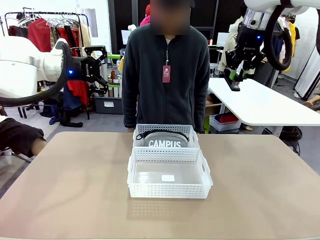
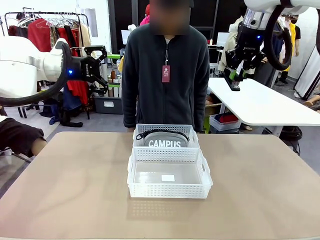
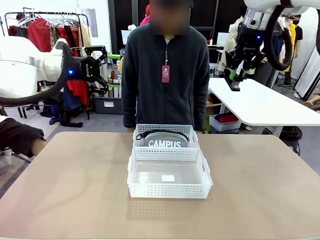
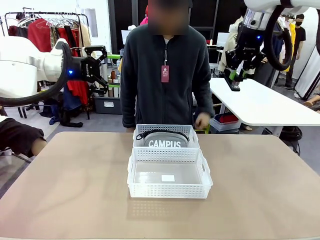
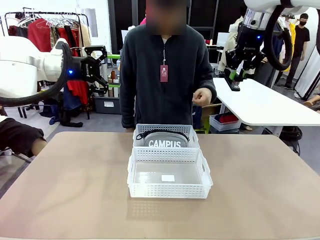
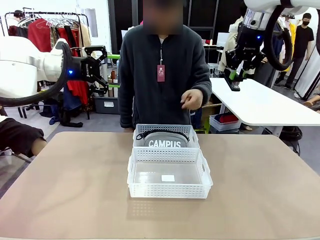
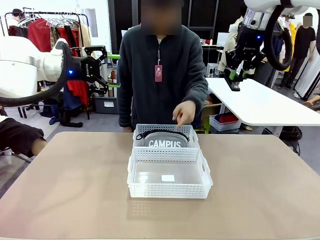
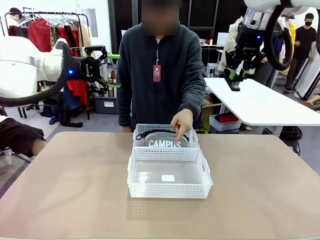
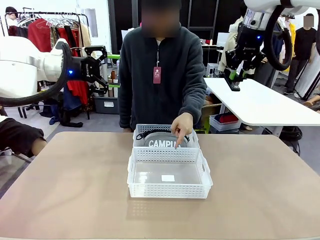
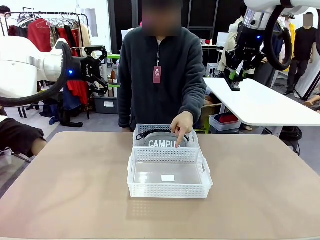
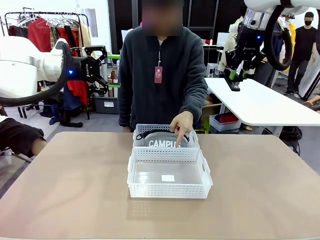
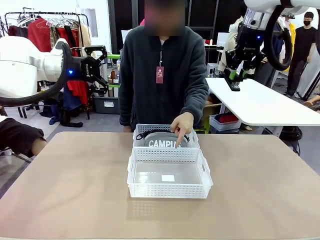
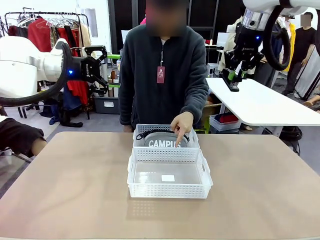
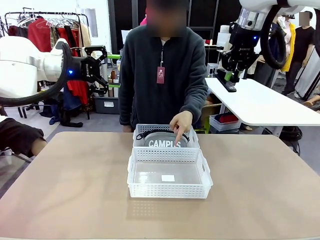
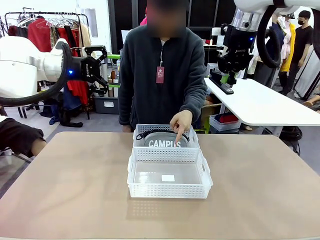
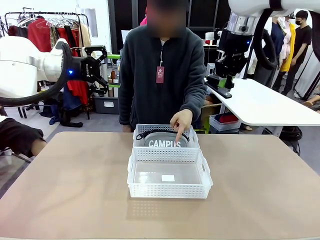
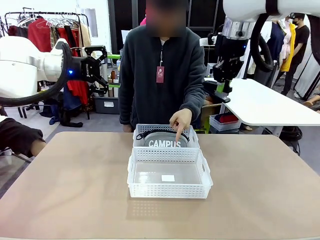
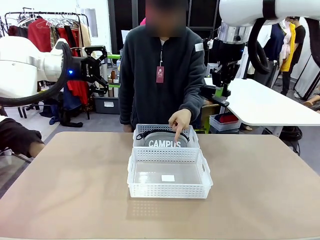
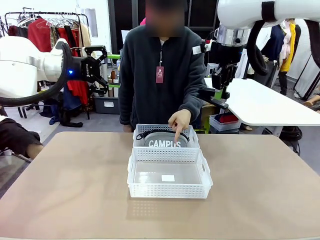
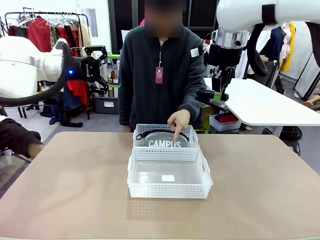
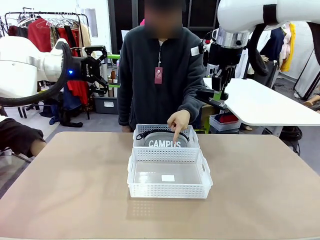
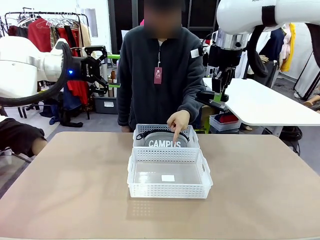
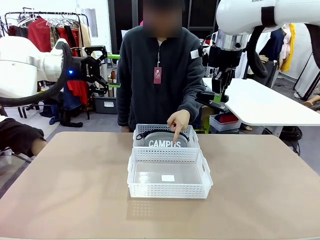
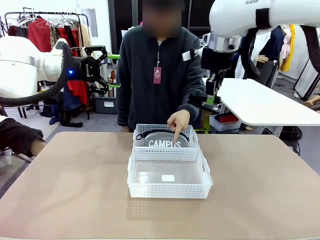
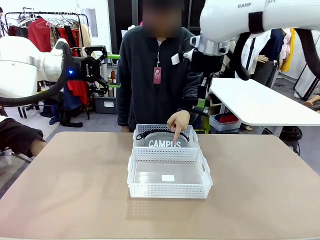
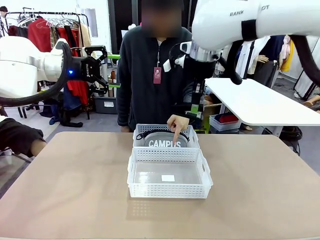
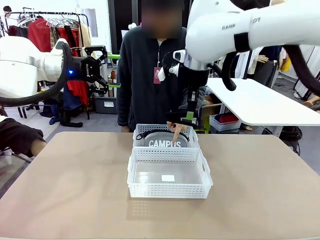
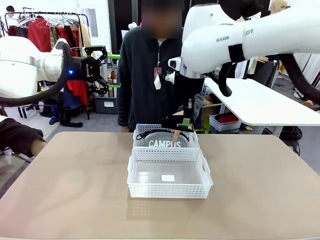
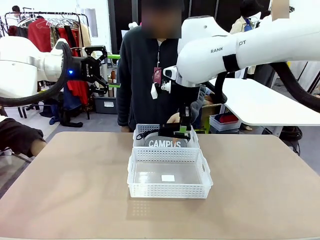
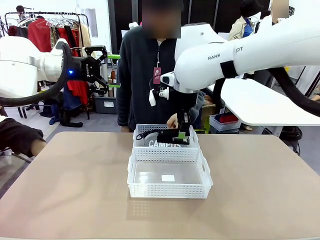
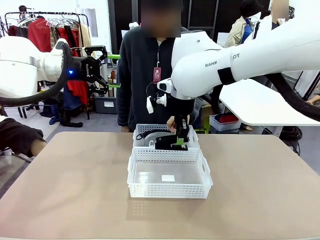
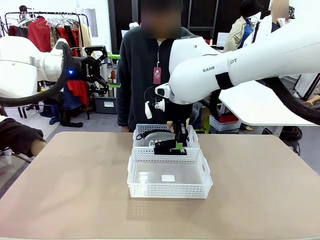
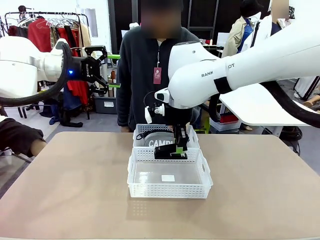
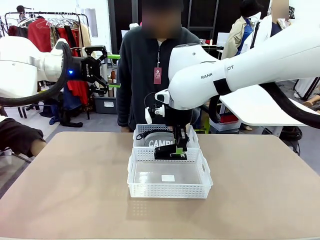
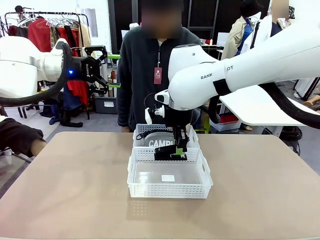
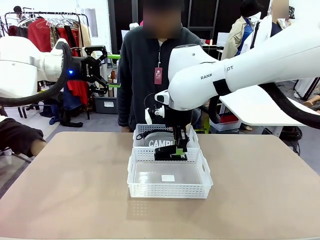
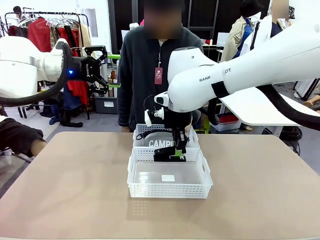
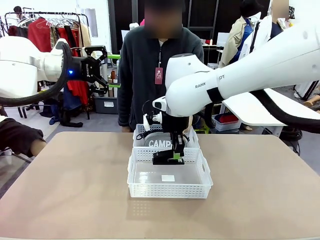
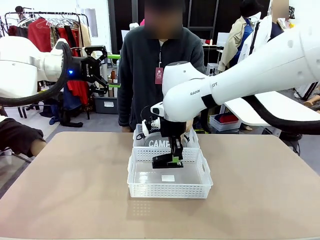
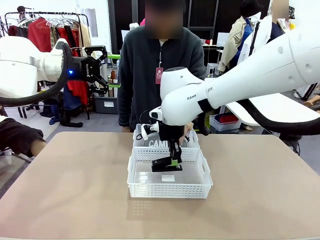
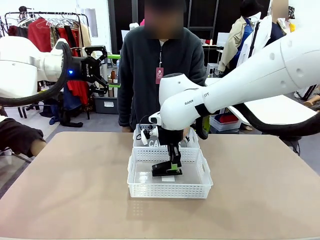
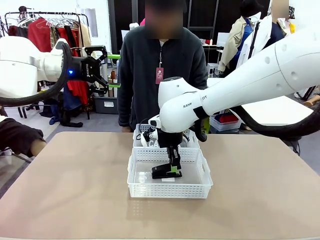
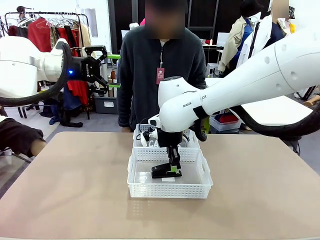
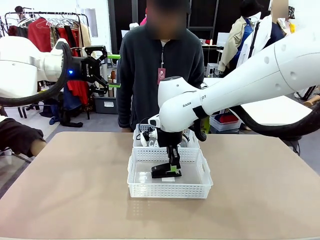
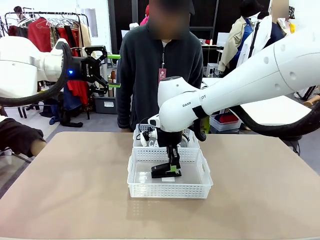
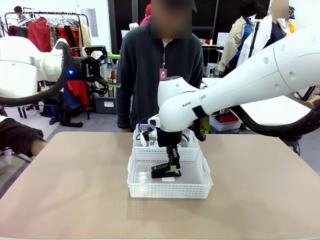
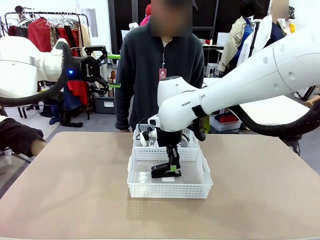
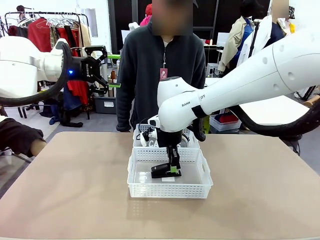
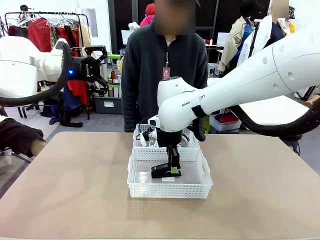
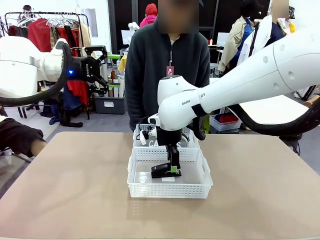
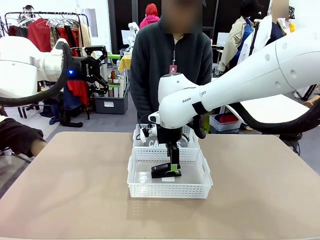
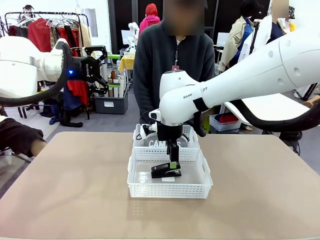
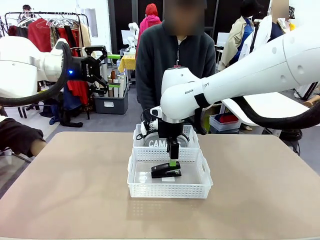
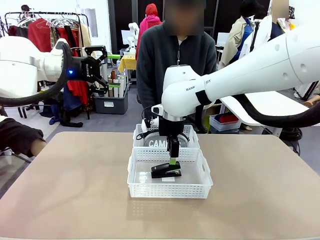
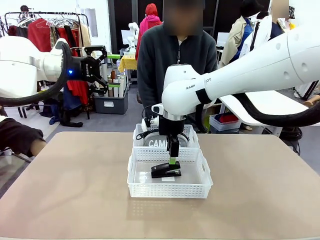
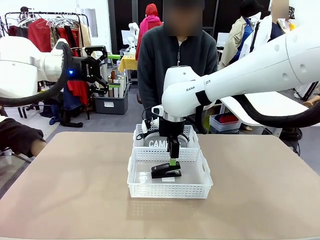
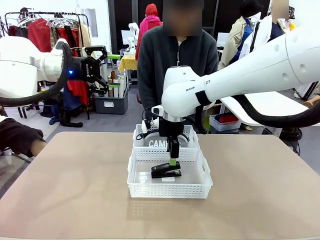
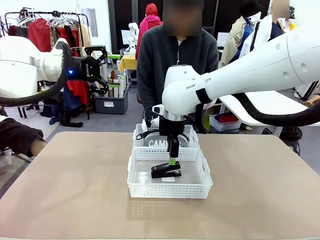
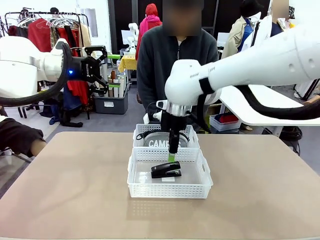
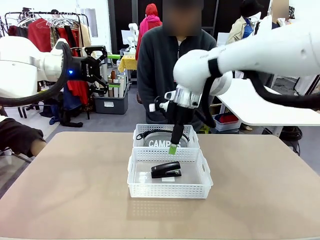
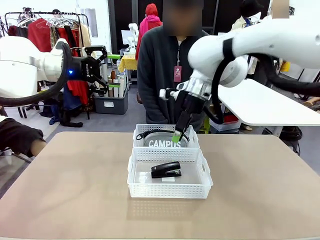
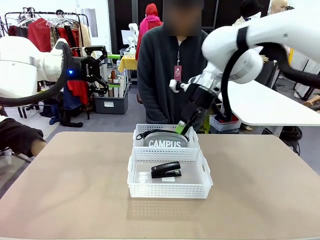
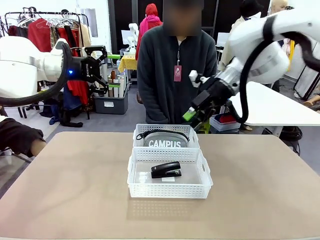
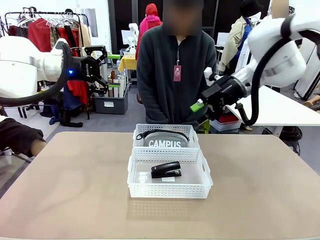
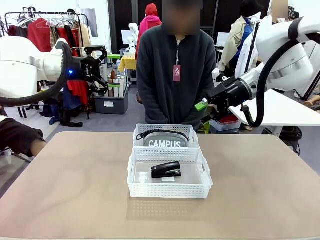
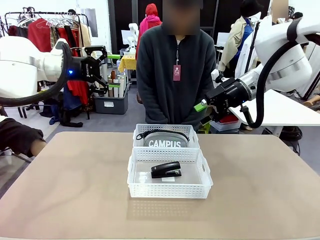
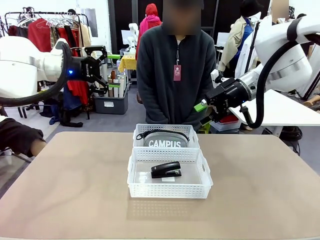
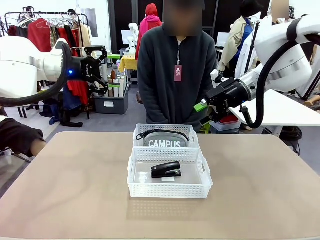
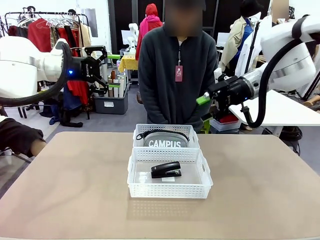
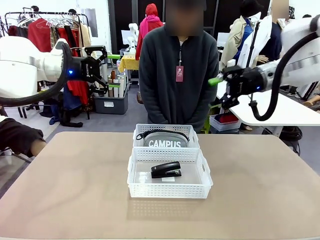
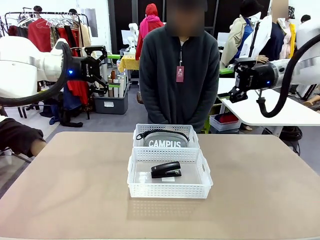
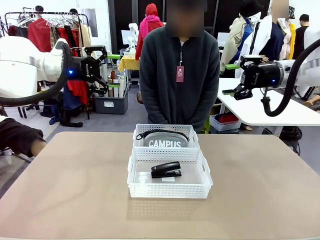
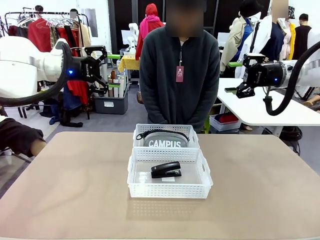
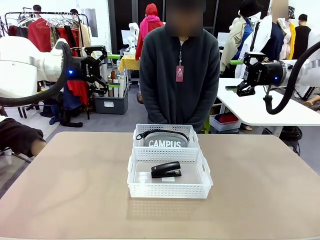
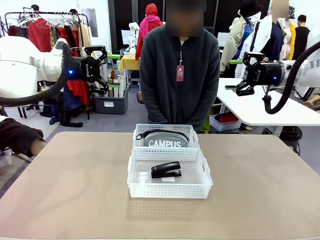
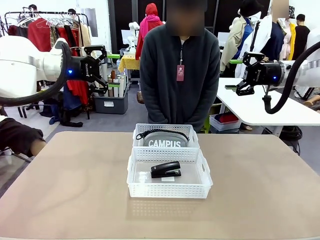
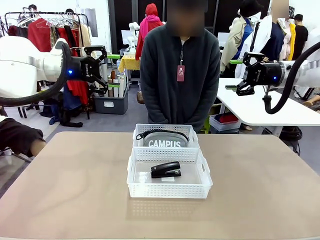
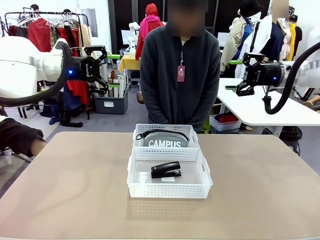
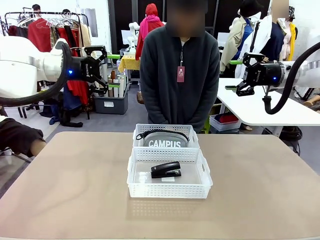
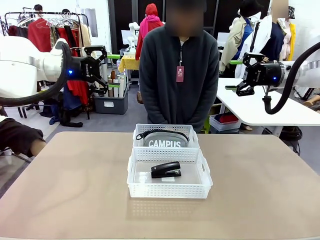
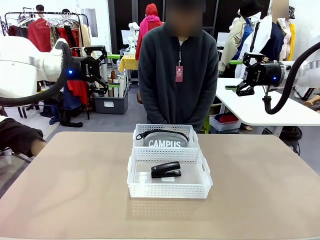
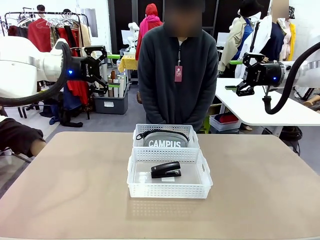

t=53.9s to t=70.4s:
Task: Distribute items into two baskets.
Robot: Place the picked Stapler into the Organizing basket as instructed by the person.
Person: Points to the basket that does not contain the pencil case and instructs the robot to move the stapler there.
